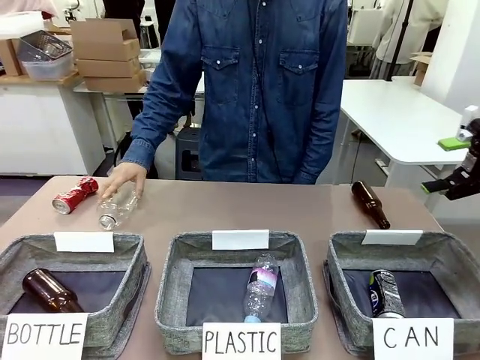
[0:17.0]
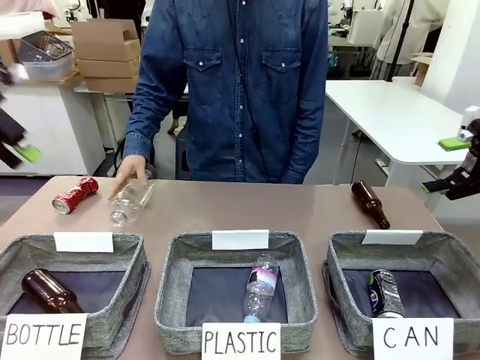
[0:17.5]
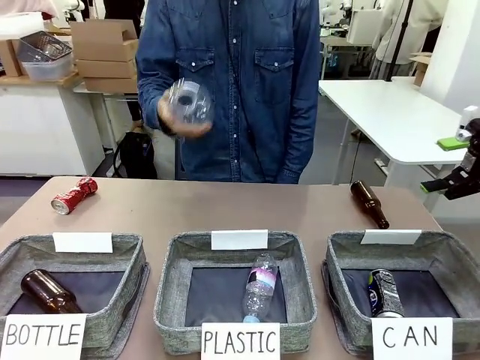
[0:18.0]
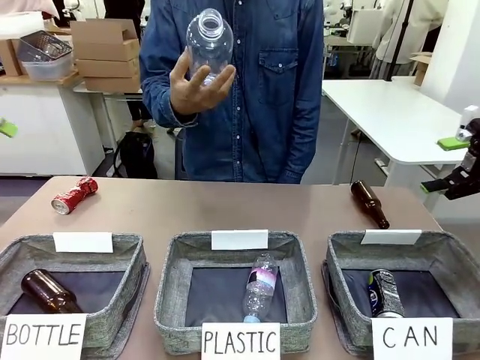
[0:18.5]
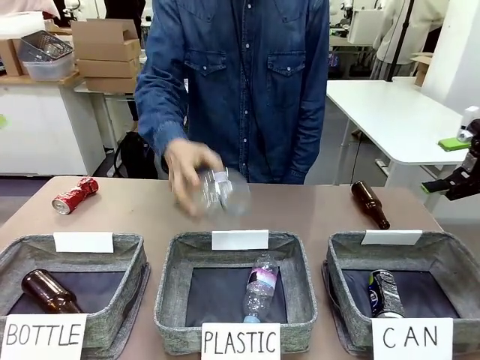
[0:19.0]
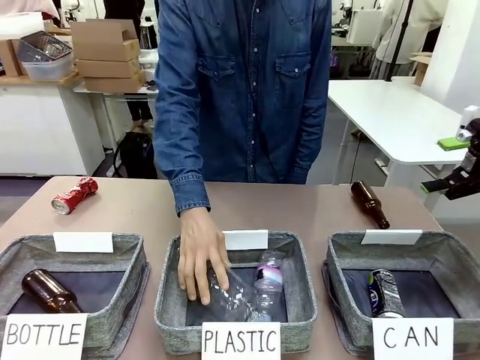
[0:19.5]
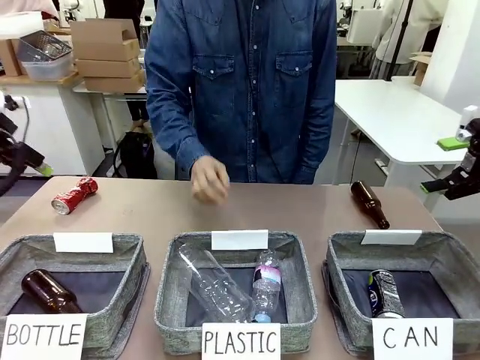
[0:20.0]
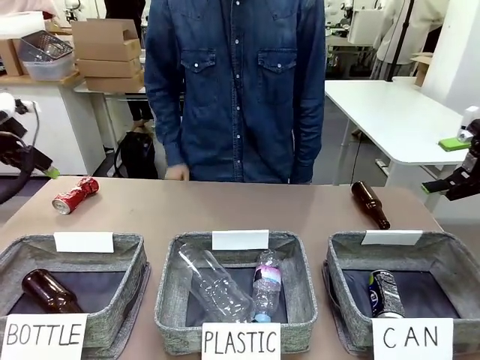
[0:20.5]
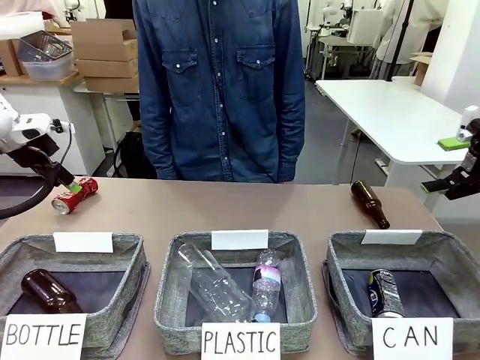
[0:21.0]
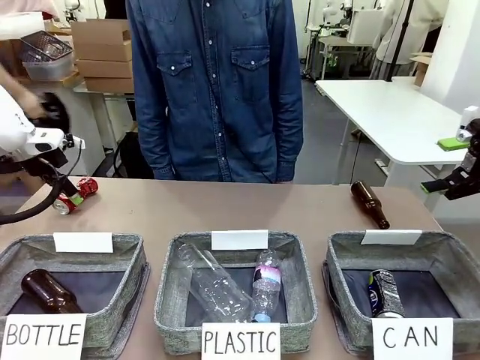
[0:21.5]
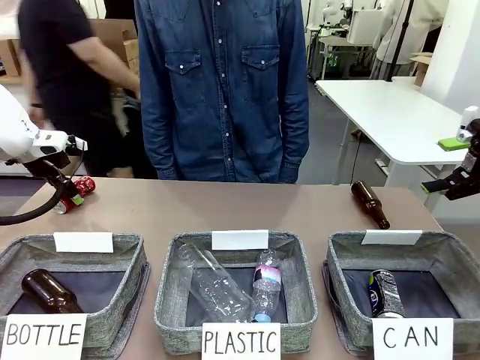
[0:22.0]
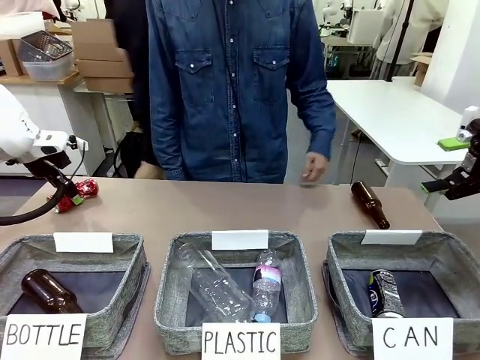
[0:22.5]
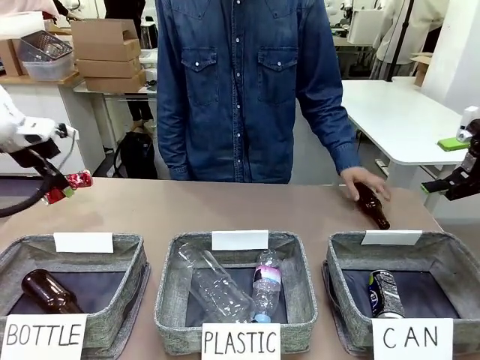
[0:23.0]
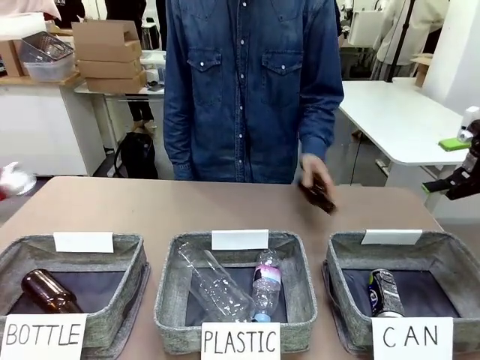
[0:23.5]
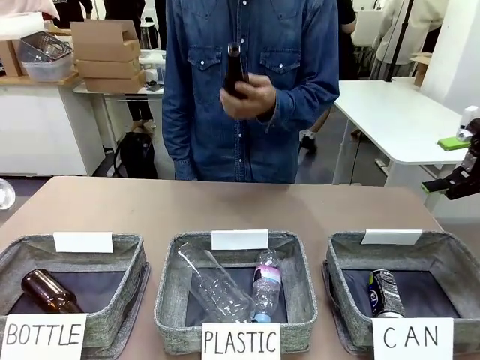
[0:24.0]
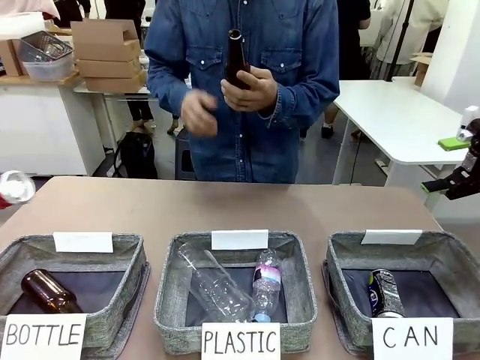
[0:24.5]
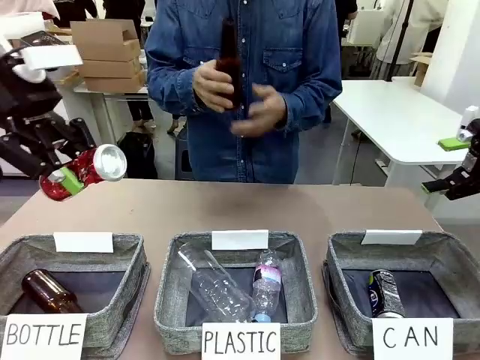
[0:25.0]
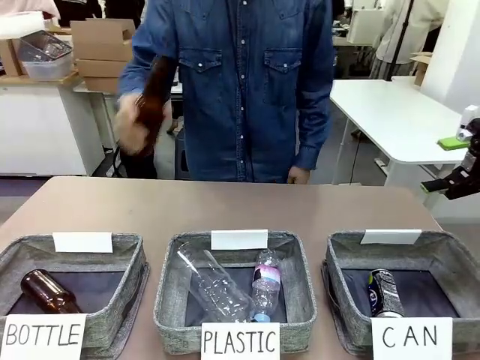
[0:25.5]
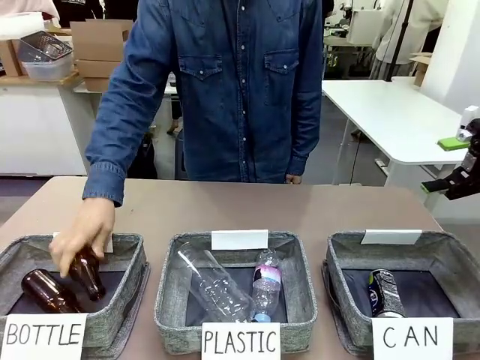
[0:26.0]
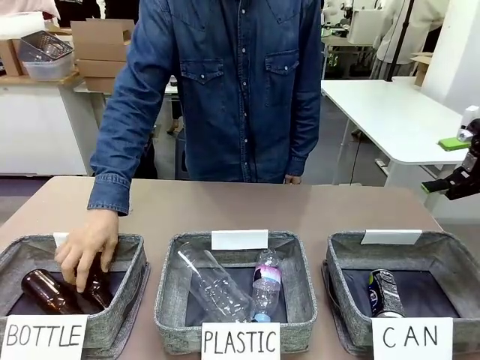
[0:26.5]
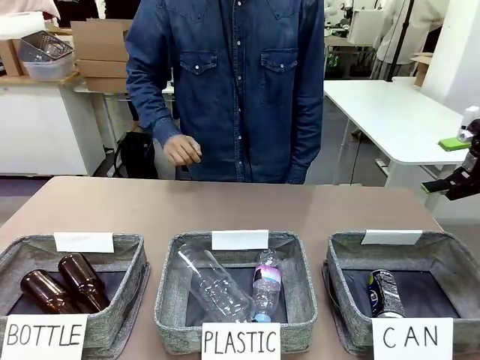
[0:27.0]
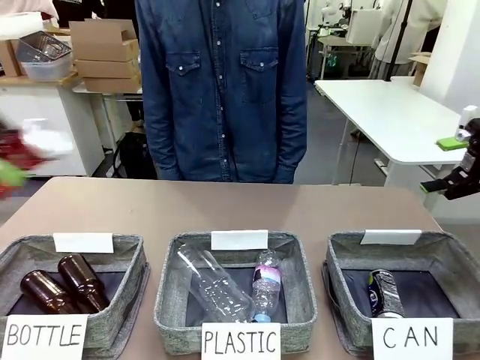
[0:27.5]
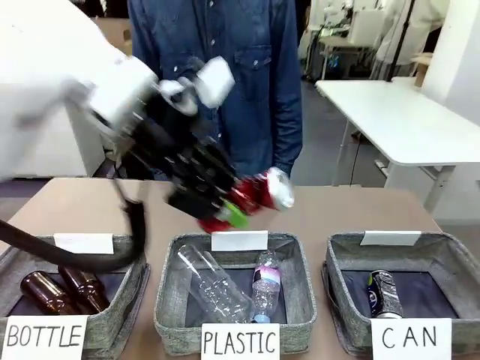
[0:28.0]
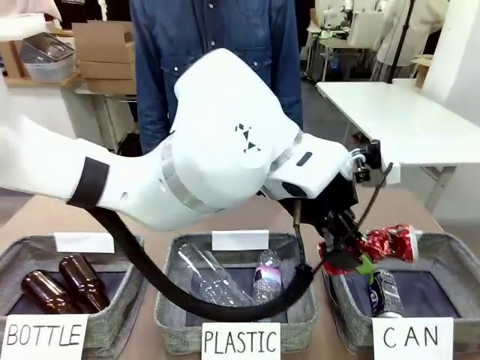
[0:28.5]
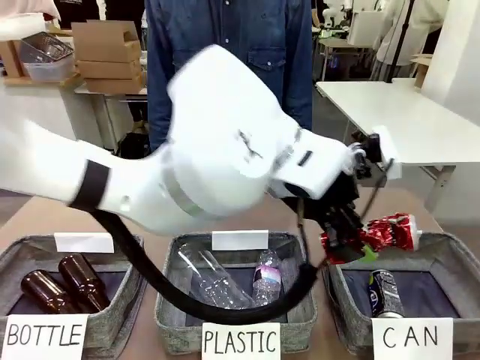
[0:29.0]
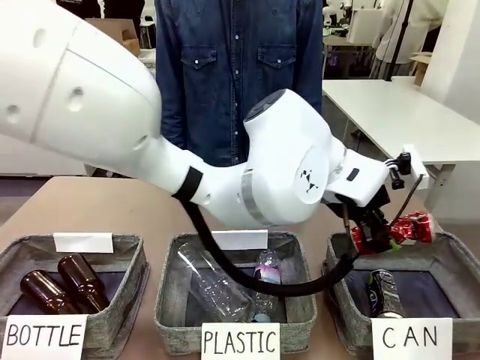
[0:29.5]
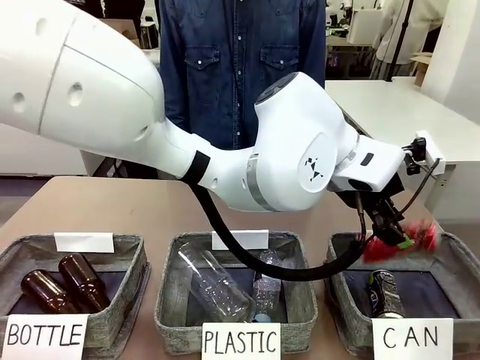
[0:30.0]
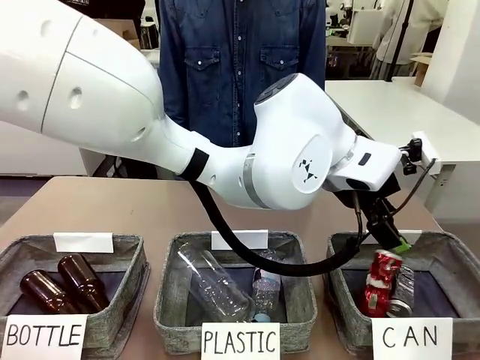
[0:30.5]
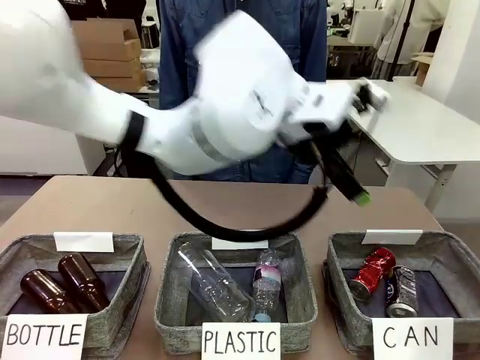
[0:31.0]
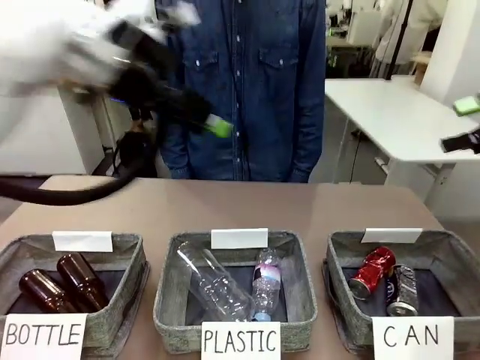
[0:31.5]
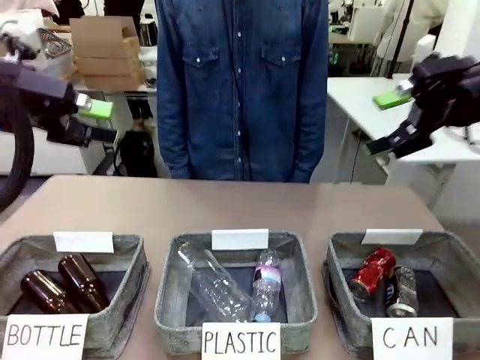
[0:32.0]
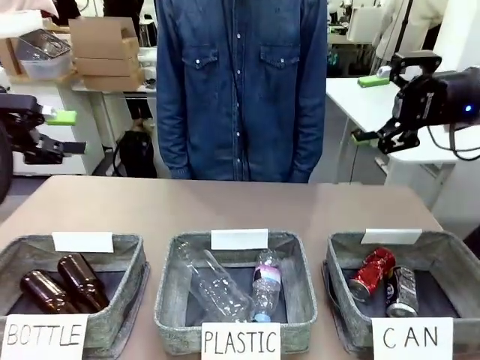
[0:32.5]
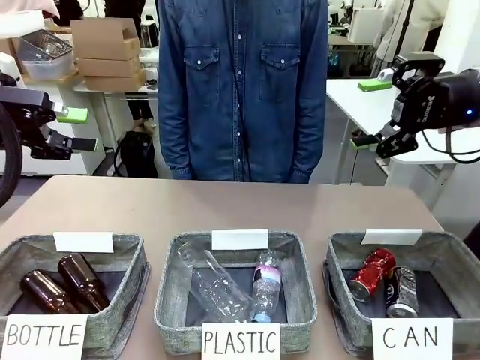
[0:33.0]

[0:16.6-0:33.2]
Task: Sort the can waste into the basket.
Robot: Pick up the can waste from the table and place it in the right Fabric basket.

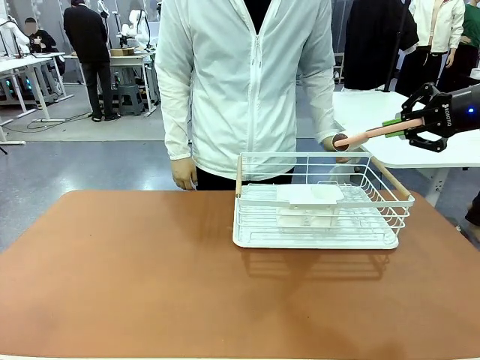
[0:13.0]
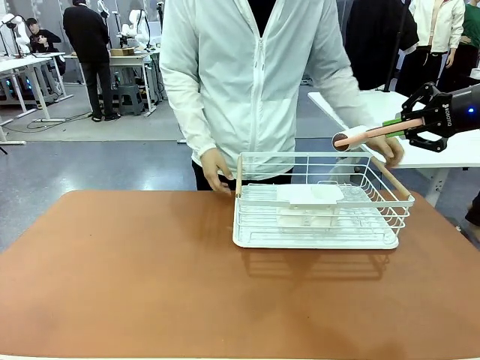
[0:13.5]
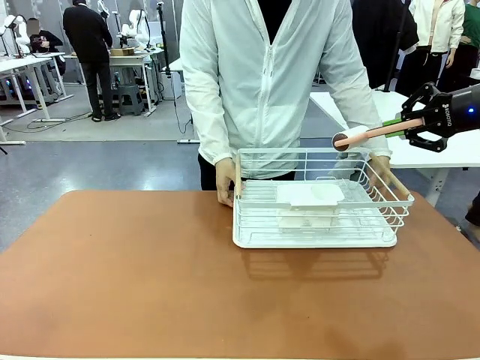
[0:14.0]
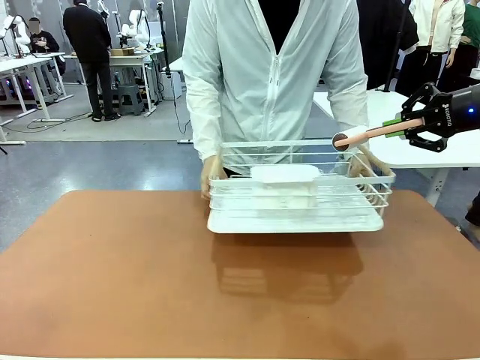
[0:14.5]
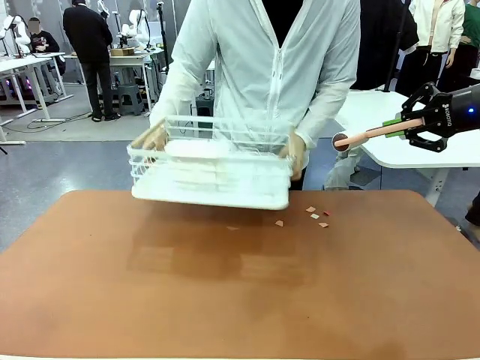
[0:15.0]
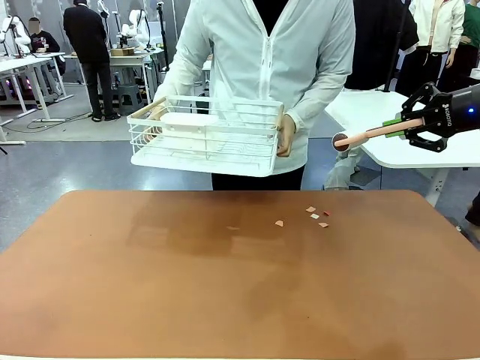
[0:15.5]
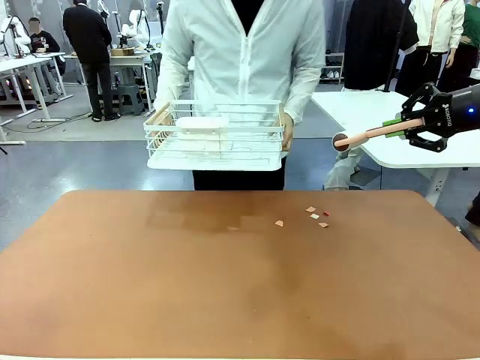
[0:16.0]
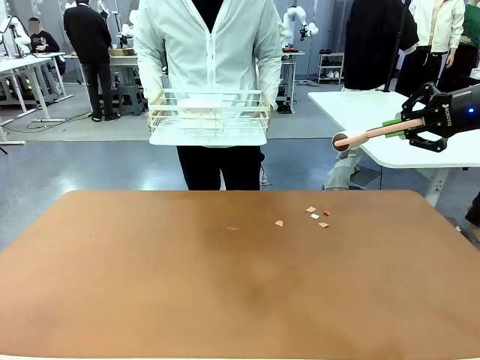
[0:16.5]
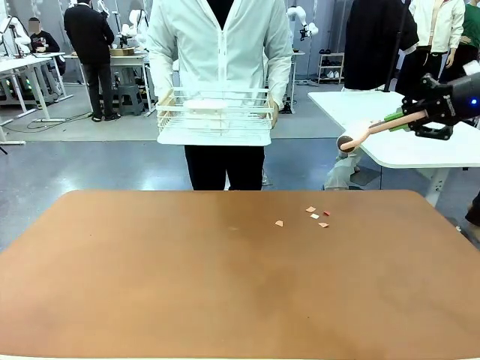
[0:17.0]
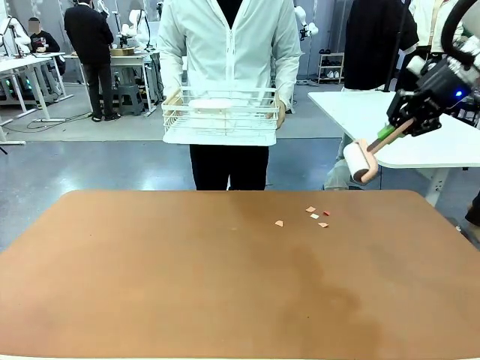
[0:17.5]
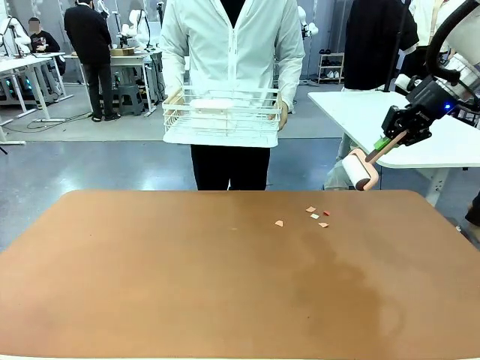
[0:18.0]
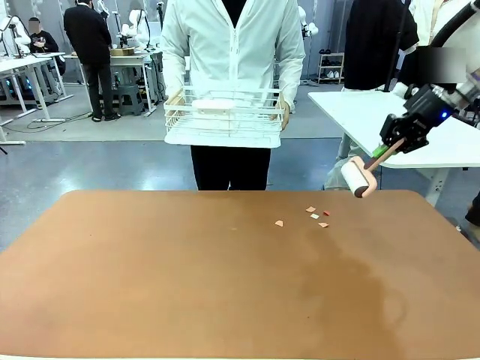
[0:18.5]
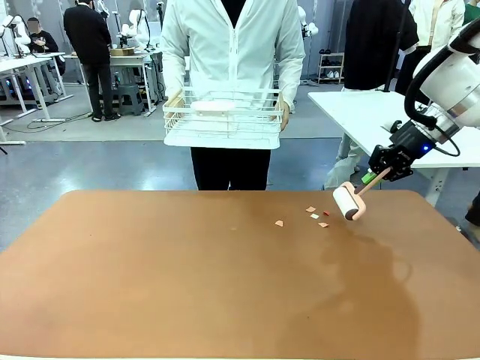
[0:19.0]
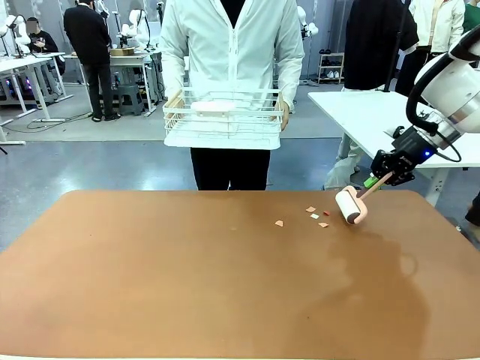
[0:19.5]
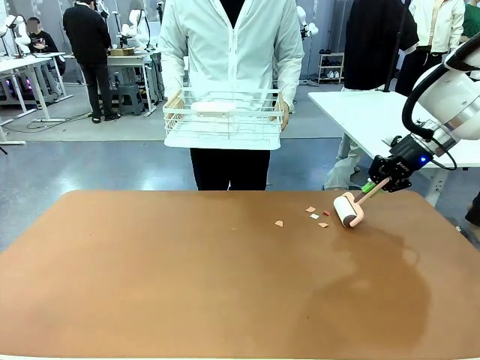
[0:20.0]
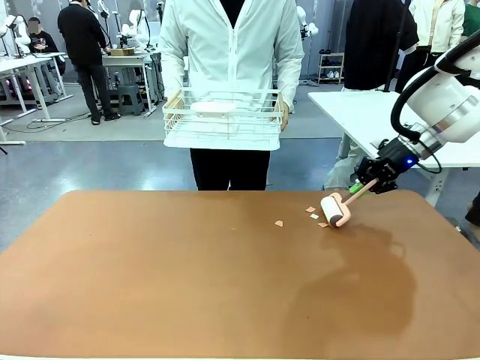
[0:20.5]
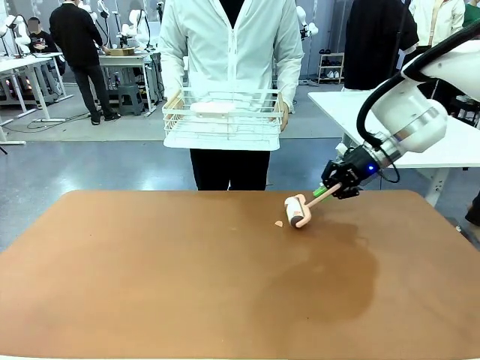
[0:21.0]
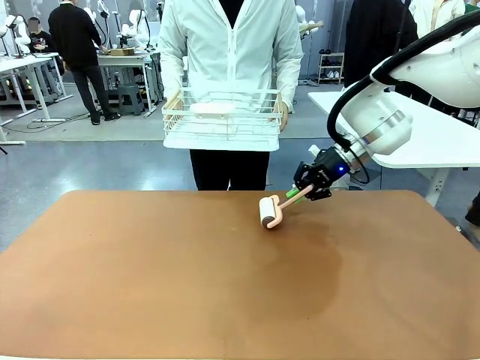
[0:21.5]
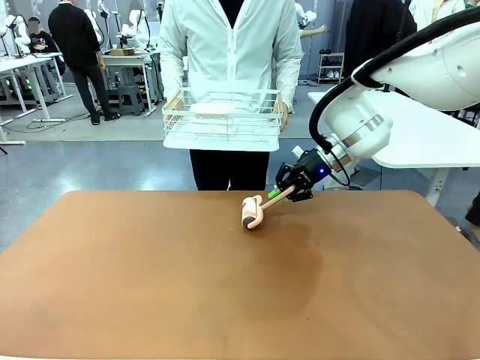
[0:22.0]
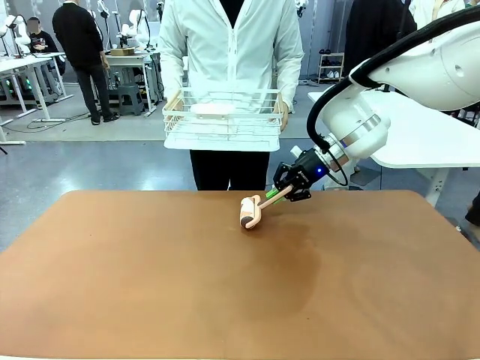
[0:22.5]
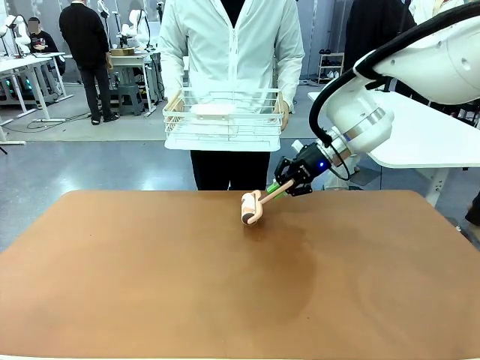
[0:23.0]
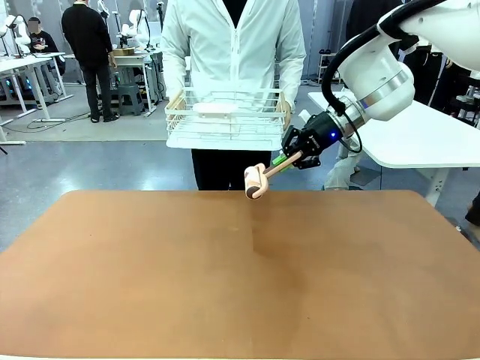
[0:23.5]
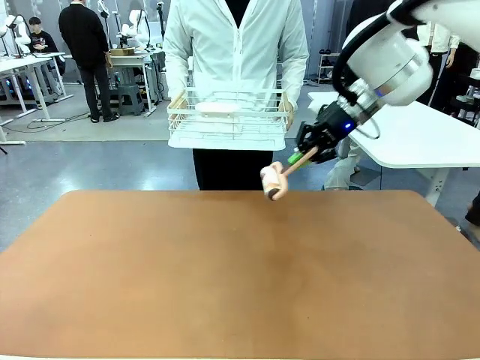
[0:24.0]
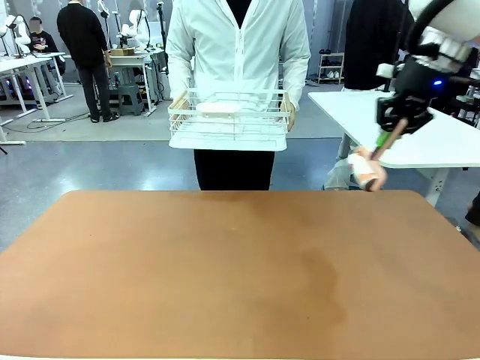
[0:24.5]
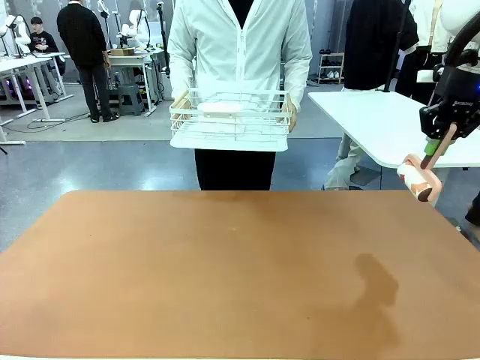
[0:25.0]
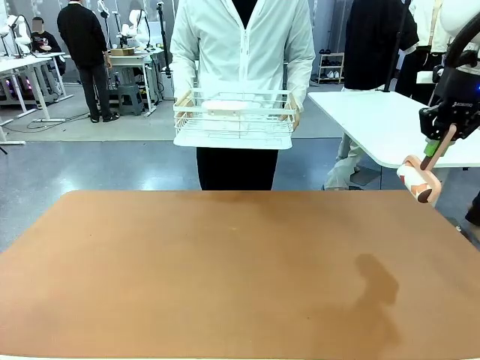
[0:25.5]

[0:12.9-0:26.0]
Task: Clean the table.
Robot: Clean the table with the Lint Roller when the human lifts the Dish drying rack.
